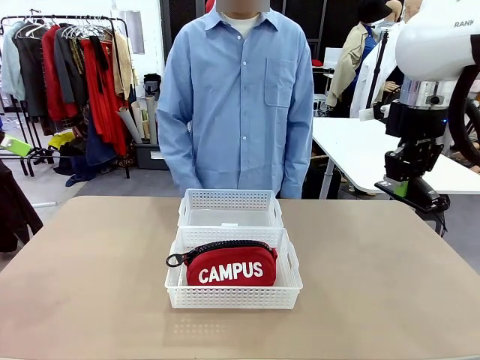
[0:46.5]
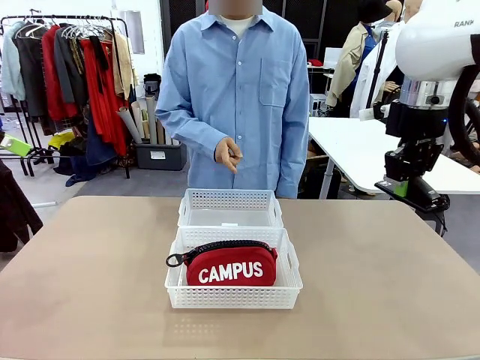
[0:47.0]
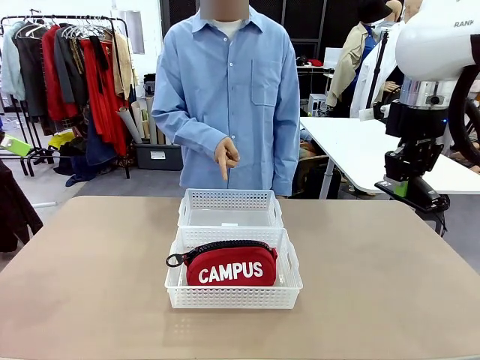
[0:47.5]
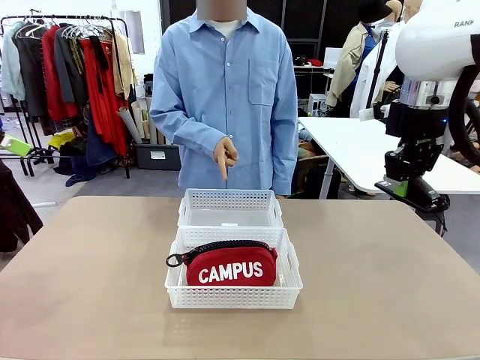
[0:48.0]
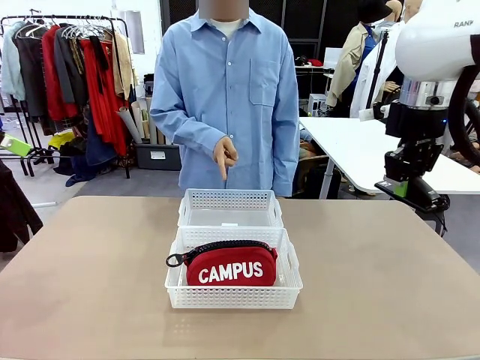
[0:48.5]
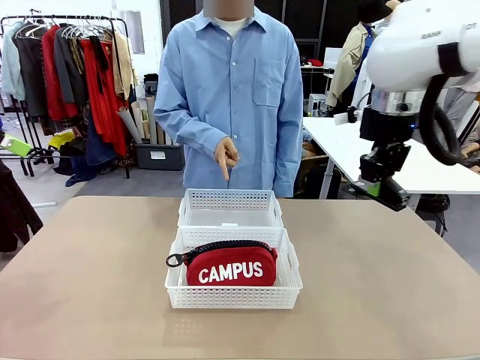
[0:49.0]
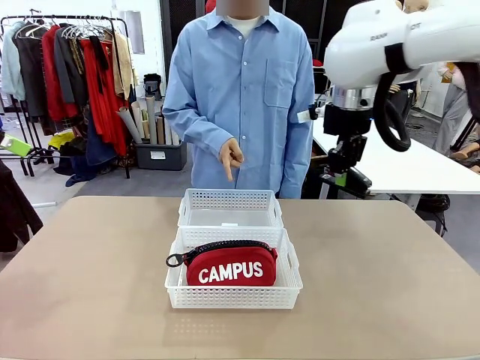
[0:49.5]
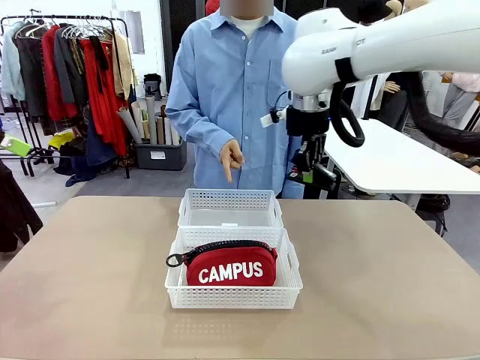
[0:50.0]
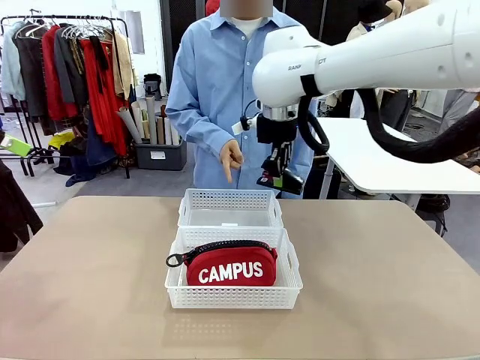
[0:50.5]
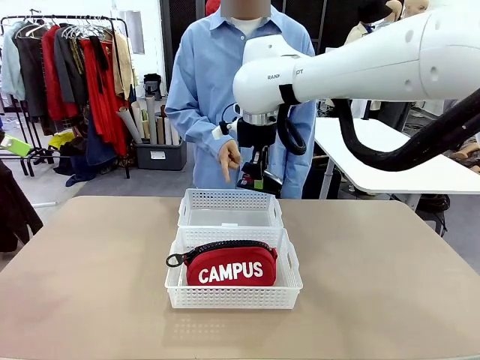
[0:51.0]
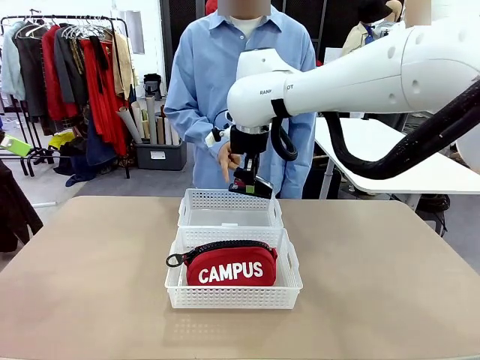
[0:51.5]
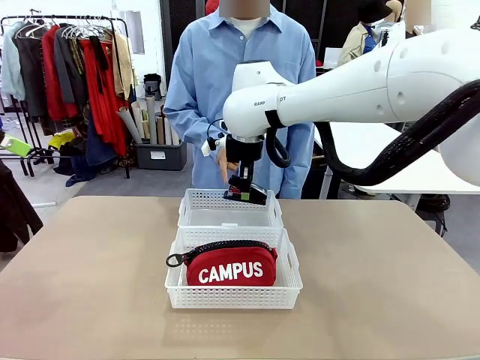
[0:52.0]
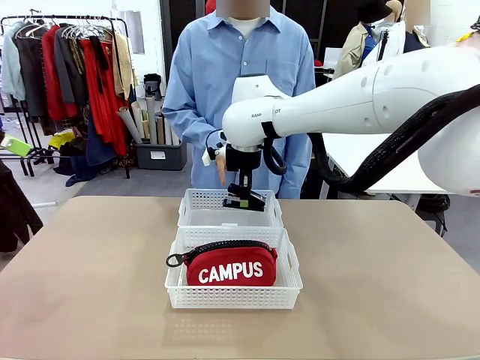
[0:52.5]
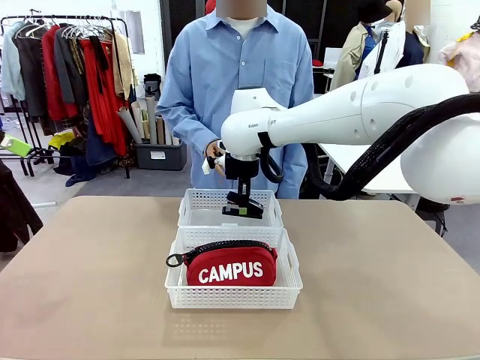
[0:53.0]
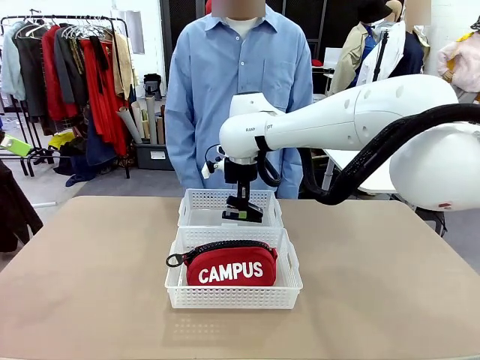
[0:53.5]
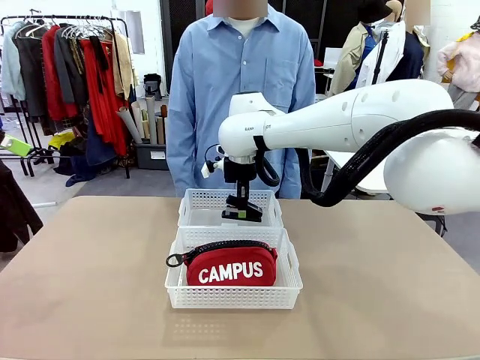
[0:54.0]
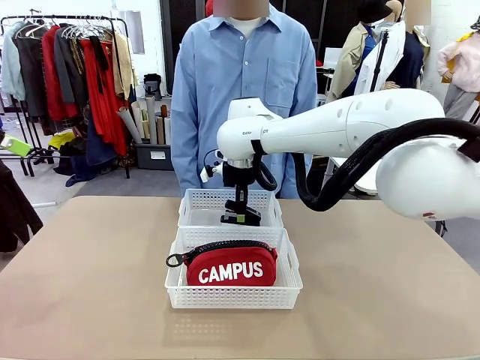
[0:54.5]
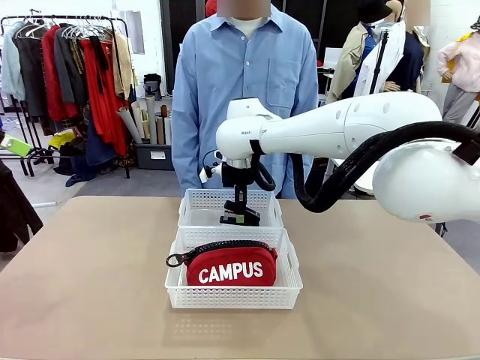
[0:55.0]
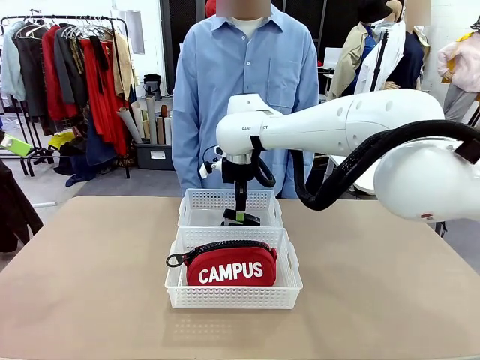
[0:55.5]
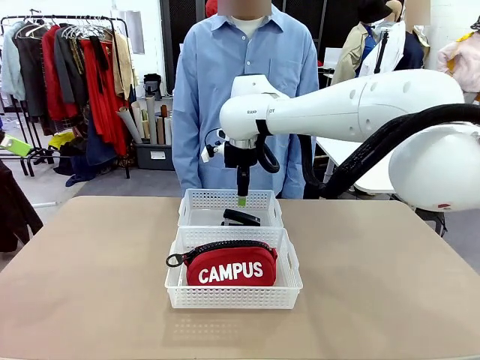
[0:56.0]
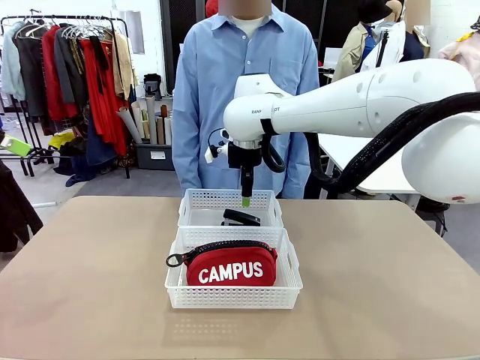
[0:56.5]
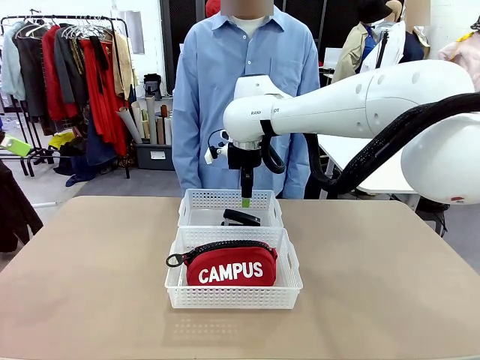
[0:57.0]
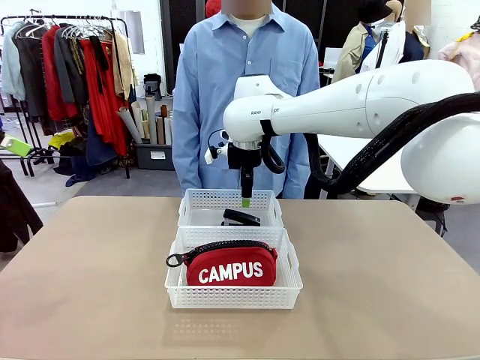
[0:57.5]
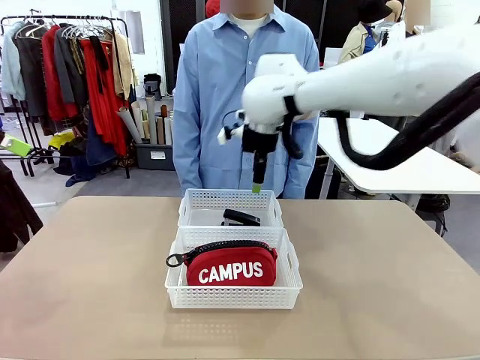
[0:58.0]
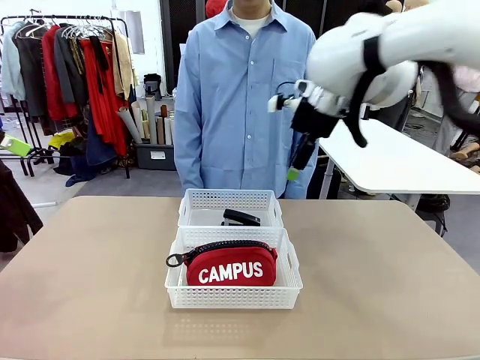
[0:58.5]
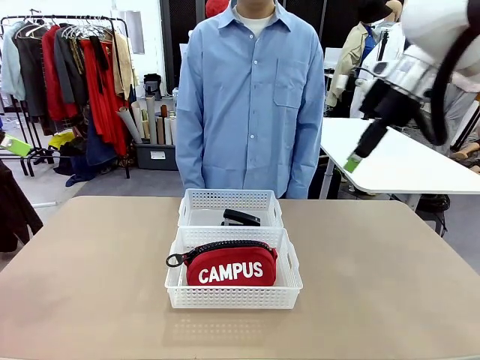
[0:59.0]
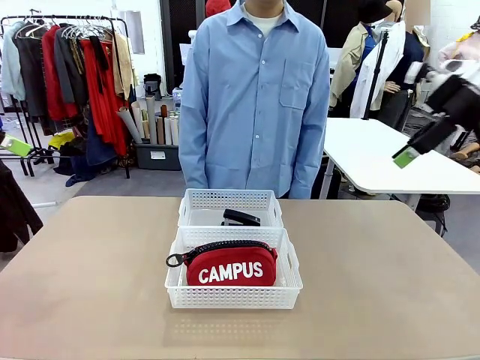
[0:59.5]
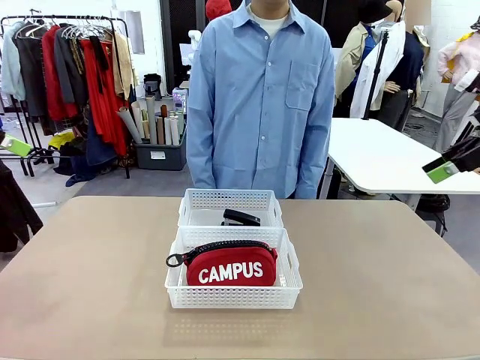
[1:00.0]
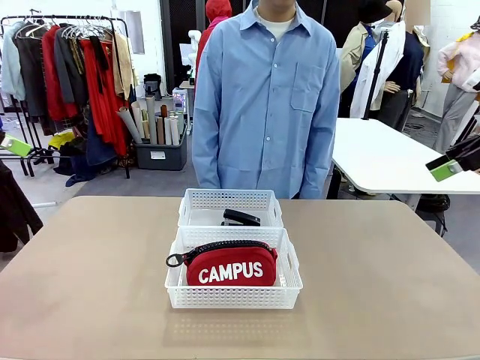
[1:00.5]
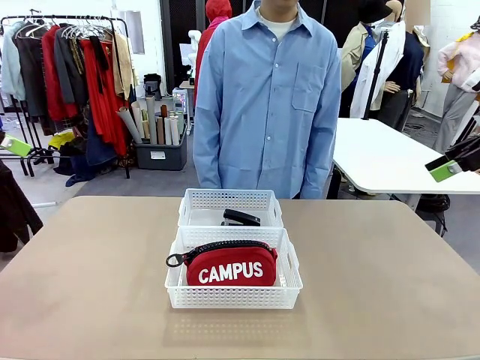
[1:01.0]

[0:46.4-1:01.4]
Task: Distribute items into two baskets.
Robot: Place the picked Stapler into the Organizing basket as instructed by the person.
Person: Points to the basket that does not contain the pencil case and instructs the robot to move the stapler there.

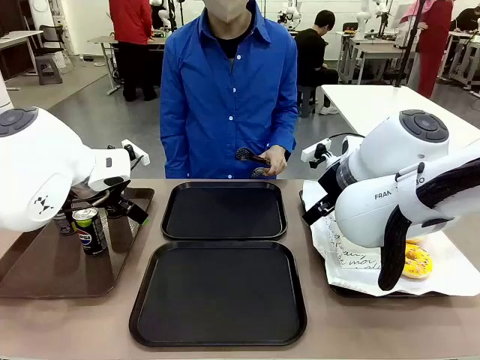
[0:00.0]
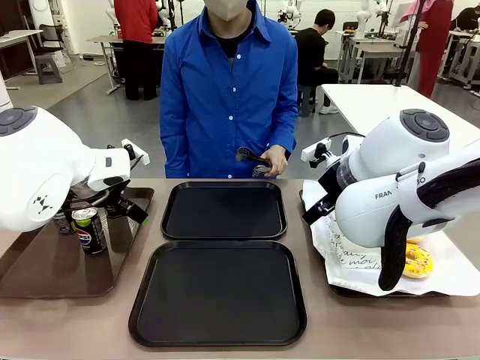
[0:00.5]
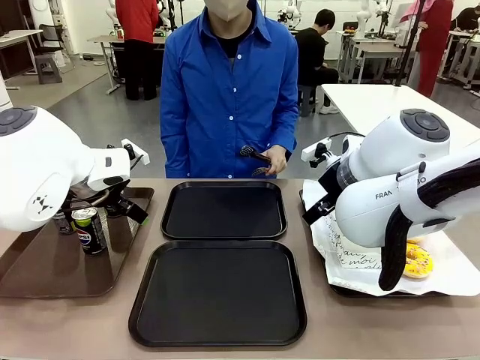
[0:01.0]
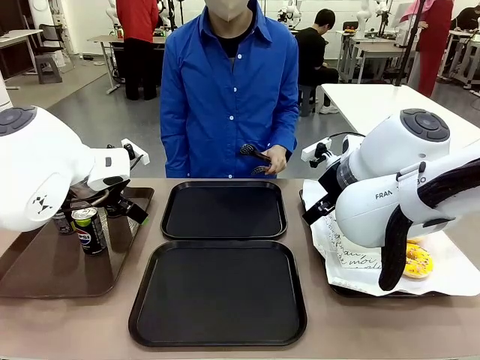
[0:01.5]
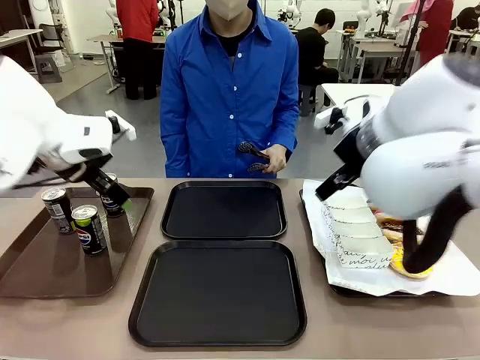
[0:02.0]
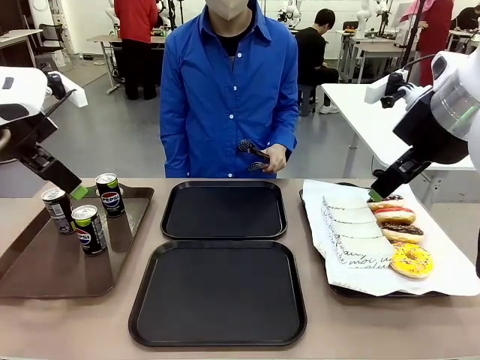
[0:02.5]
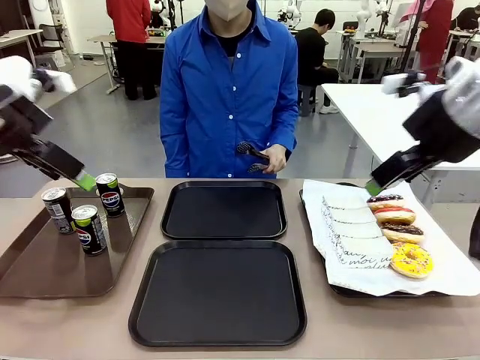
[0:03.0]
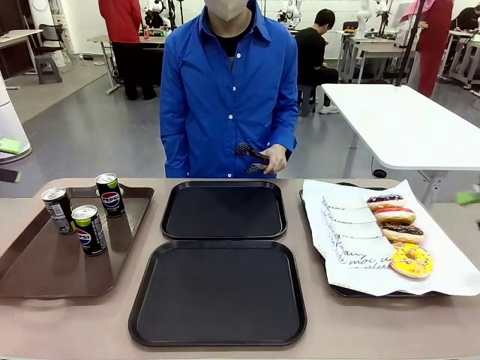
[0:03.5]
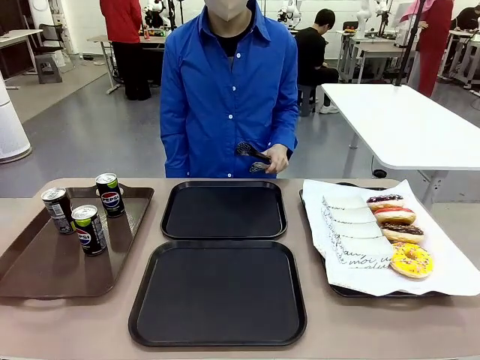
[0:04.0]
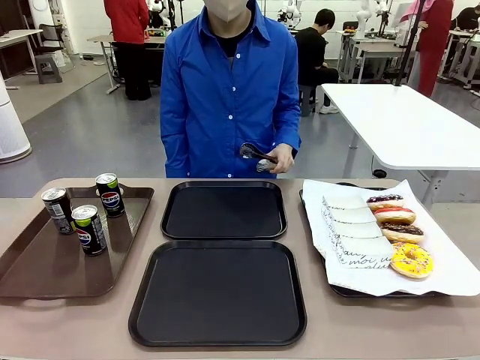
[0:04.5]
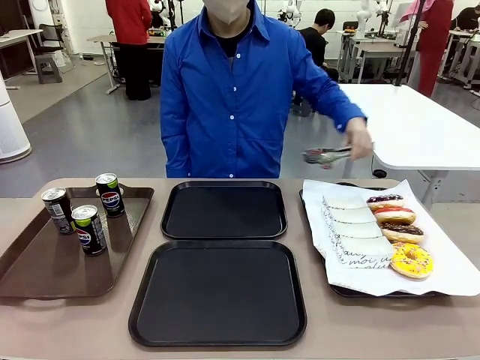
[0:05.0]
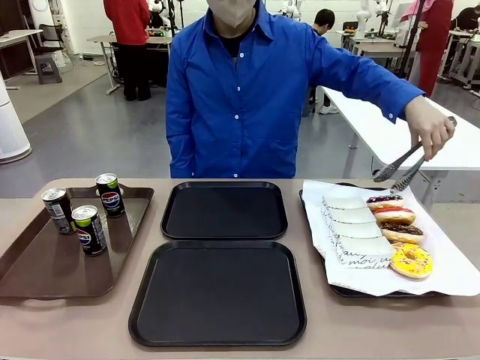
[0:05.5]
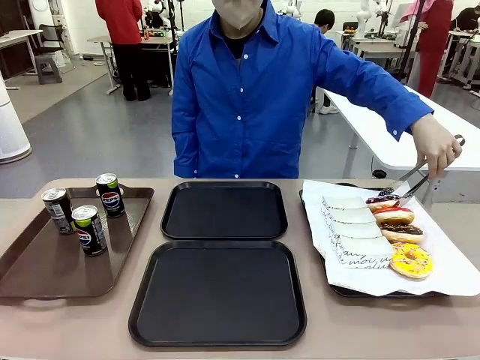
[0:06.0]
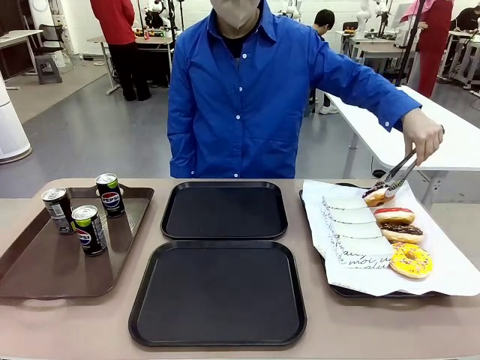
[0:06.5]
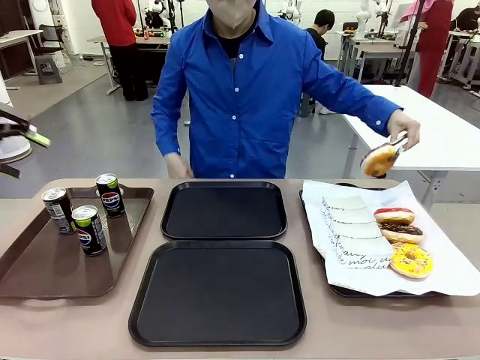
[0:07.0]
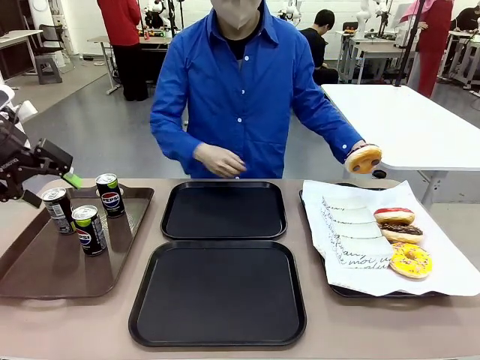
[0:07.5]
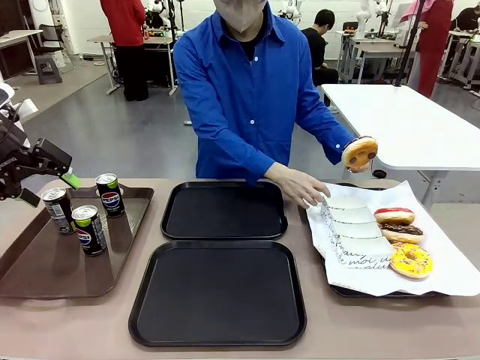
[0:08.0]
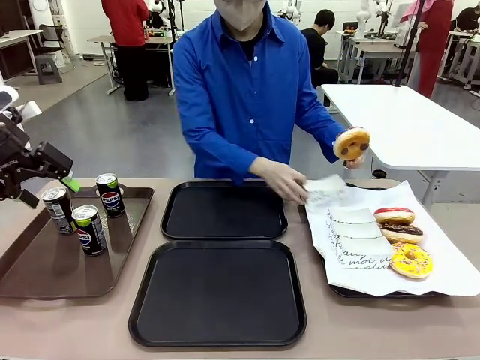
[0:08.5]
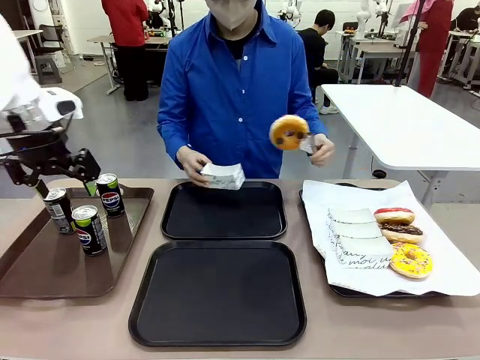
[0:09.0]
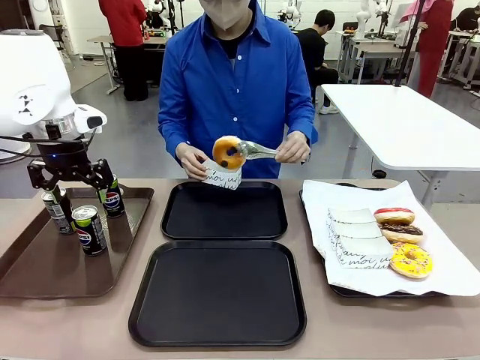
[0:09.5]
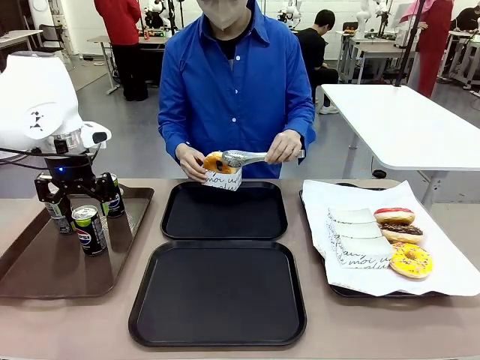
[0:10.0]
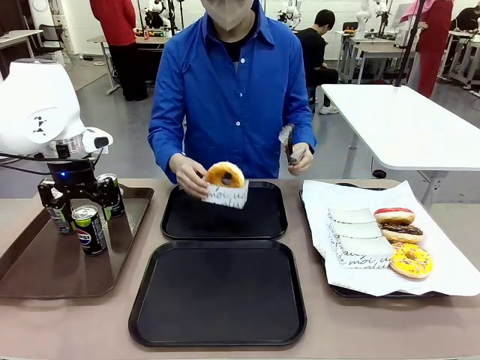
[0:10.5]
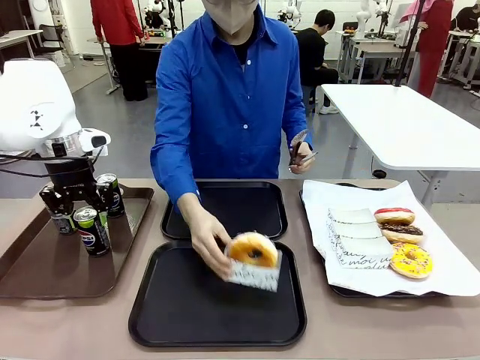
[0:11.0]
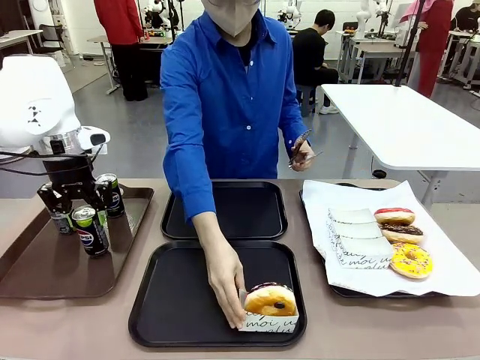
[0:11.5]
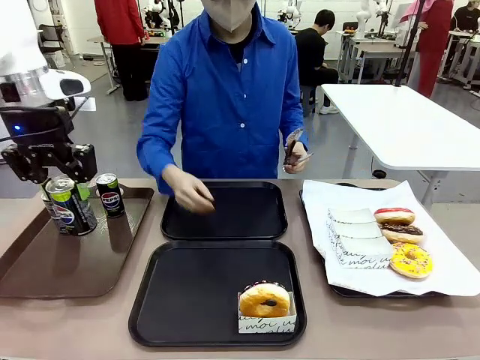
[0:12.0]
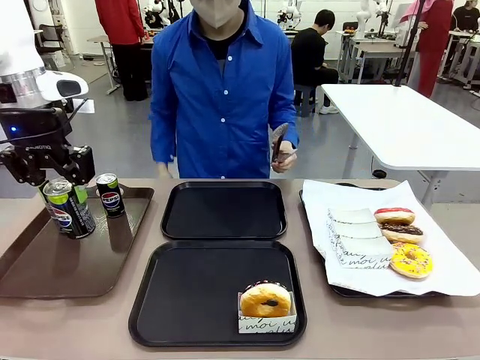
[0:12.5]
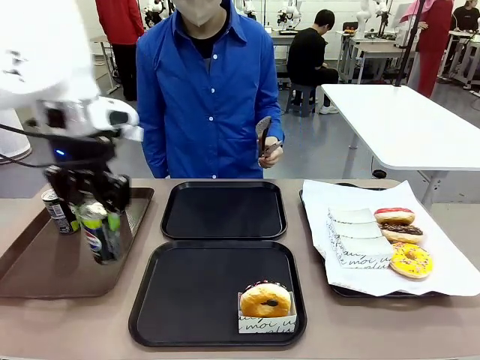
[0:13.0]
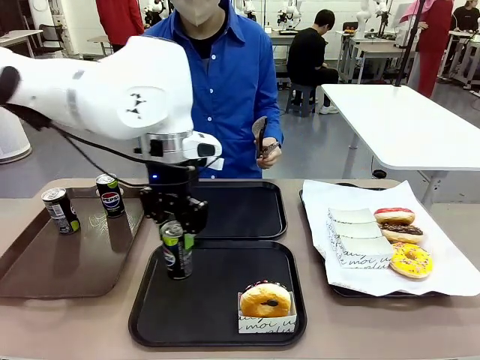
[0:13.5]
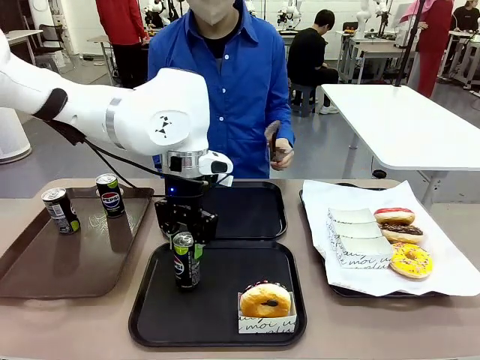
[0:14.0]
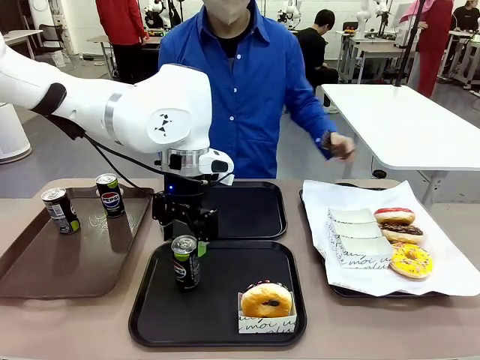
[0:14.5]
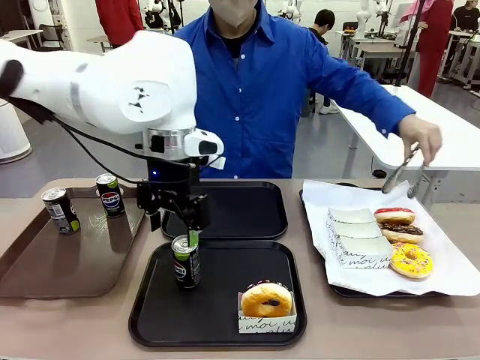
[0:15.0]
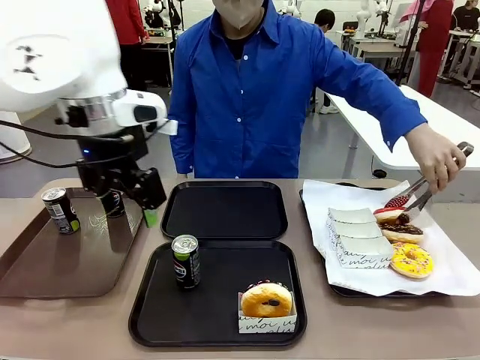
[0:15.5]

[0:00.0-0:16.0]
Task: Set up donuts and drinks on trays.
Robot: Pick up one Pepsi coke and place it on the Flat Tray.
